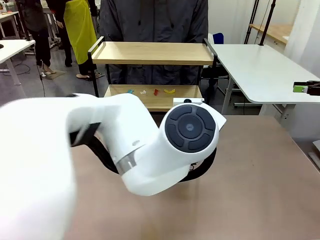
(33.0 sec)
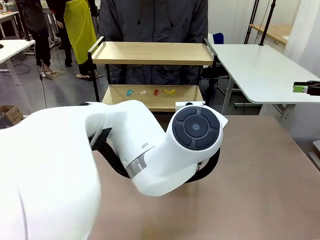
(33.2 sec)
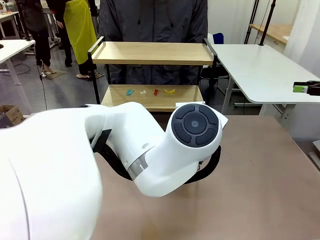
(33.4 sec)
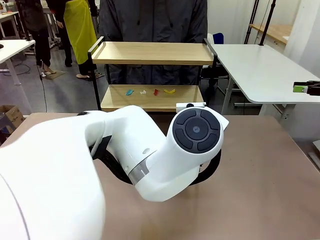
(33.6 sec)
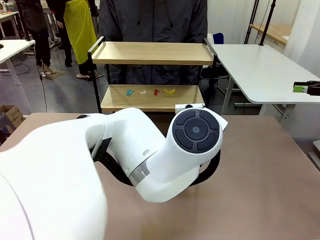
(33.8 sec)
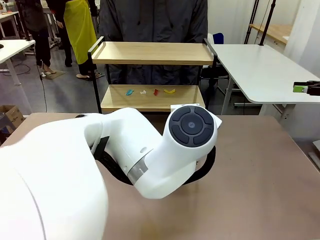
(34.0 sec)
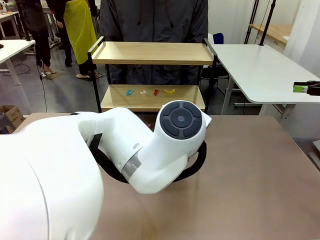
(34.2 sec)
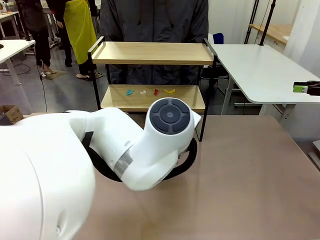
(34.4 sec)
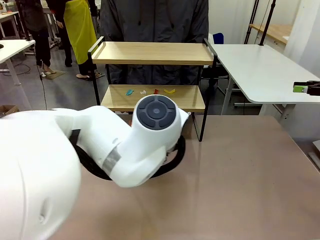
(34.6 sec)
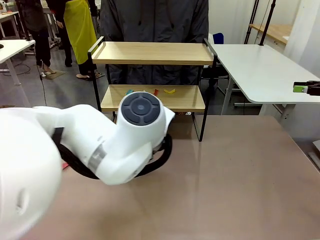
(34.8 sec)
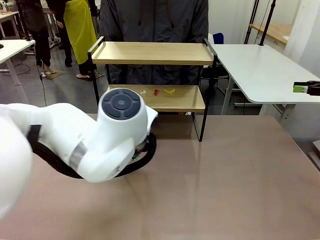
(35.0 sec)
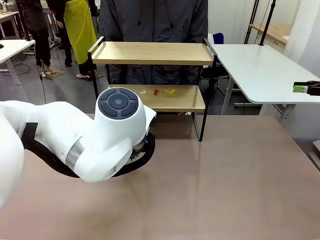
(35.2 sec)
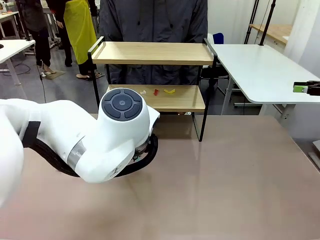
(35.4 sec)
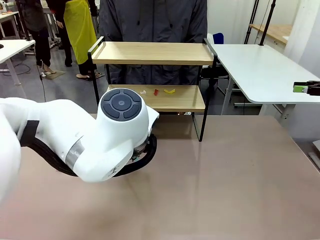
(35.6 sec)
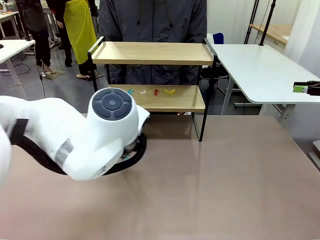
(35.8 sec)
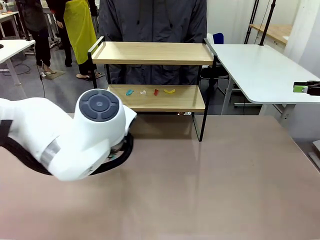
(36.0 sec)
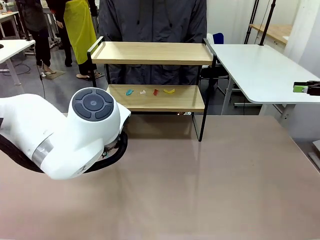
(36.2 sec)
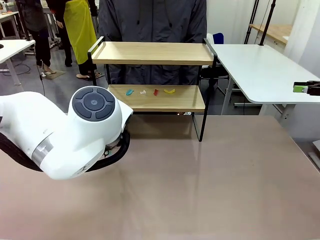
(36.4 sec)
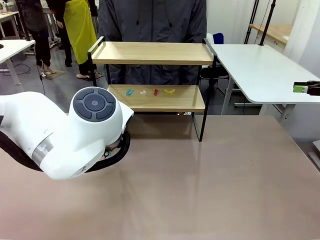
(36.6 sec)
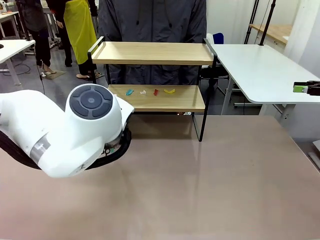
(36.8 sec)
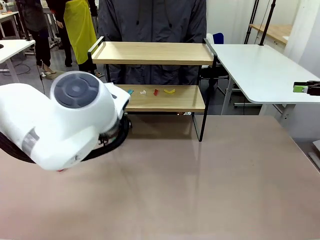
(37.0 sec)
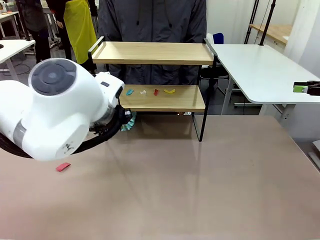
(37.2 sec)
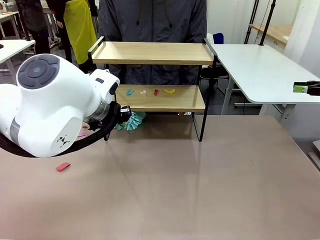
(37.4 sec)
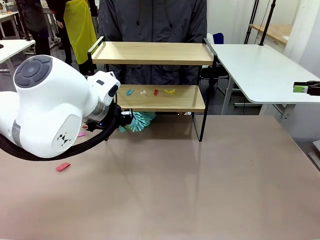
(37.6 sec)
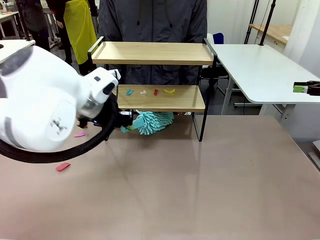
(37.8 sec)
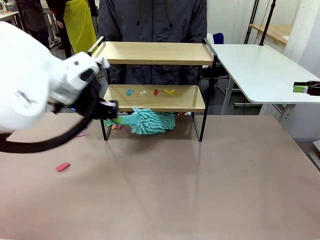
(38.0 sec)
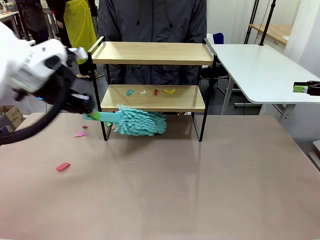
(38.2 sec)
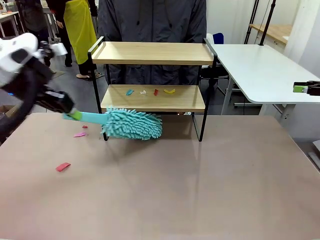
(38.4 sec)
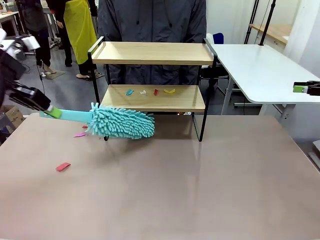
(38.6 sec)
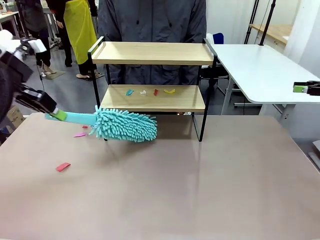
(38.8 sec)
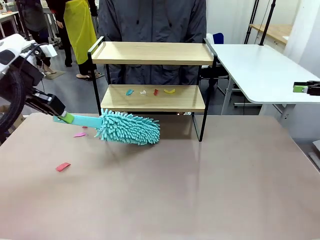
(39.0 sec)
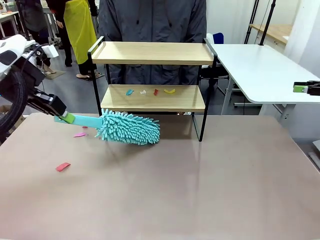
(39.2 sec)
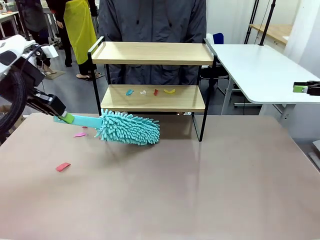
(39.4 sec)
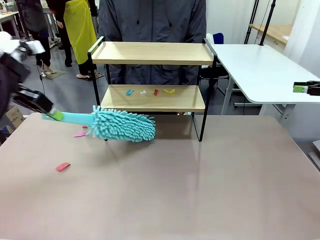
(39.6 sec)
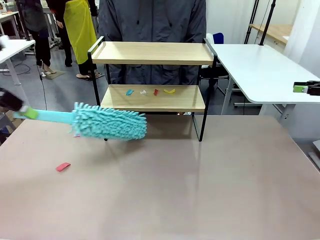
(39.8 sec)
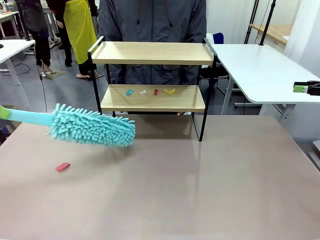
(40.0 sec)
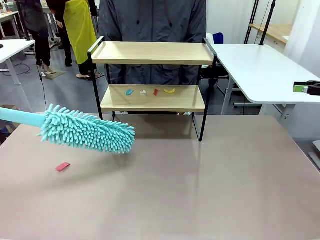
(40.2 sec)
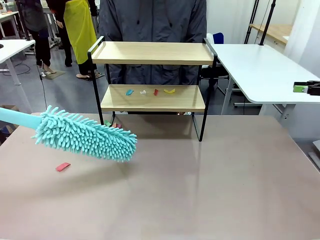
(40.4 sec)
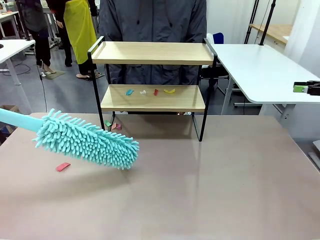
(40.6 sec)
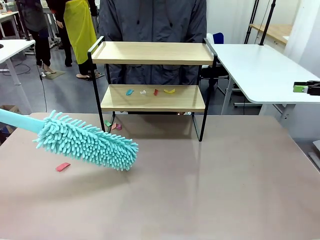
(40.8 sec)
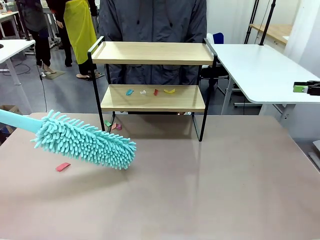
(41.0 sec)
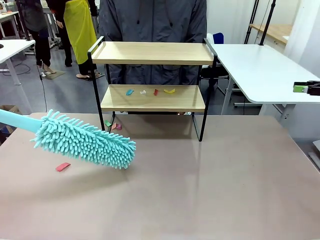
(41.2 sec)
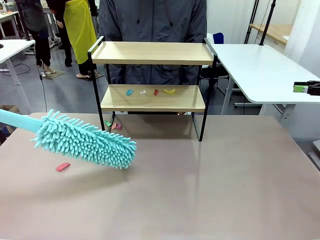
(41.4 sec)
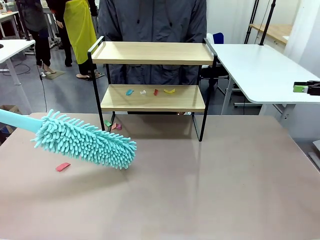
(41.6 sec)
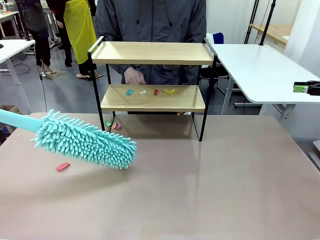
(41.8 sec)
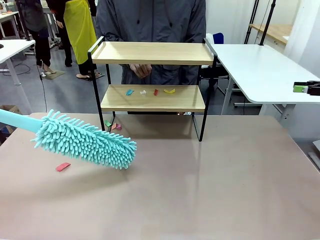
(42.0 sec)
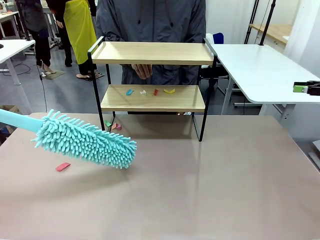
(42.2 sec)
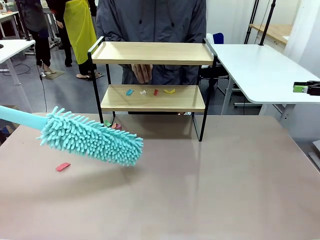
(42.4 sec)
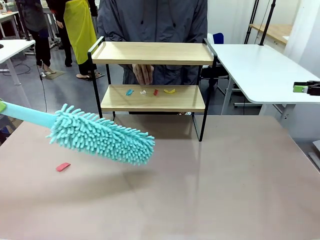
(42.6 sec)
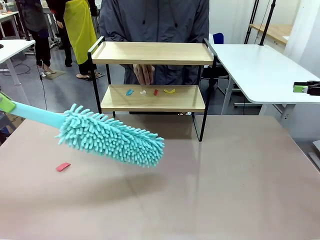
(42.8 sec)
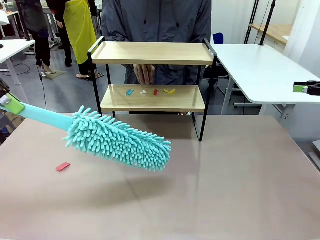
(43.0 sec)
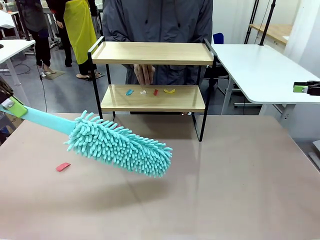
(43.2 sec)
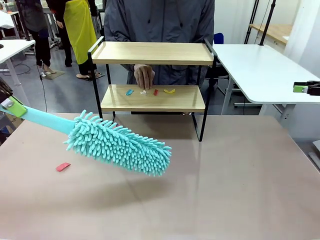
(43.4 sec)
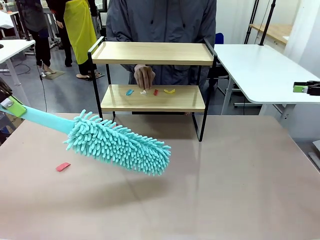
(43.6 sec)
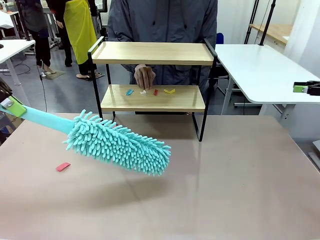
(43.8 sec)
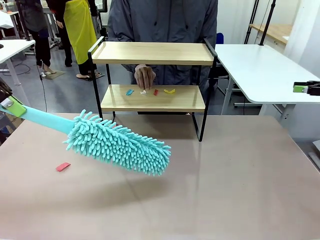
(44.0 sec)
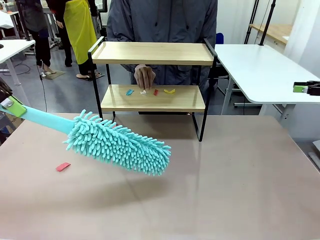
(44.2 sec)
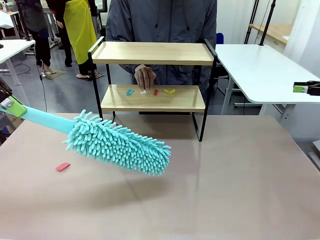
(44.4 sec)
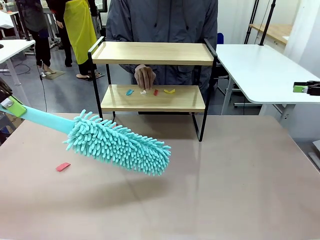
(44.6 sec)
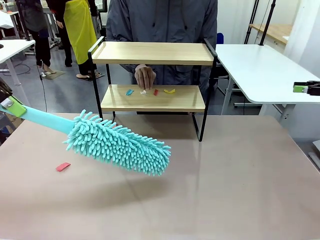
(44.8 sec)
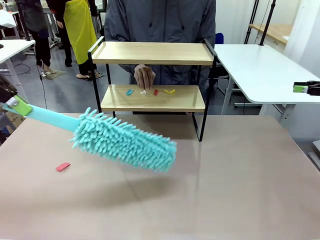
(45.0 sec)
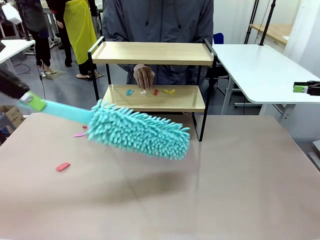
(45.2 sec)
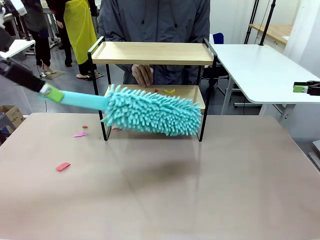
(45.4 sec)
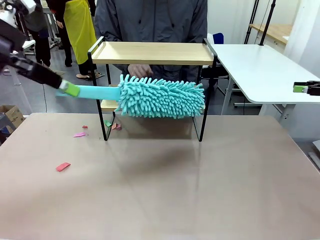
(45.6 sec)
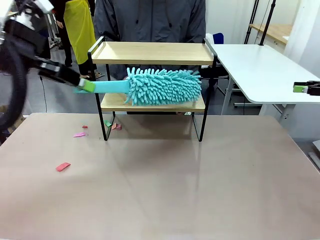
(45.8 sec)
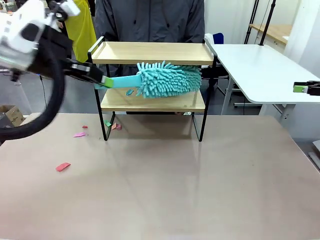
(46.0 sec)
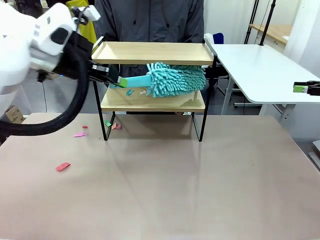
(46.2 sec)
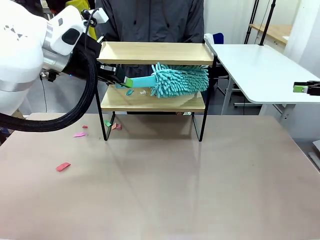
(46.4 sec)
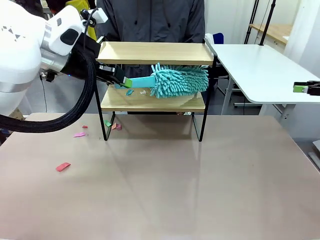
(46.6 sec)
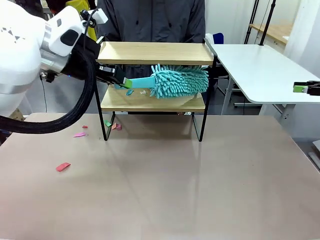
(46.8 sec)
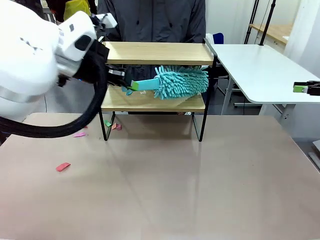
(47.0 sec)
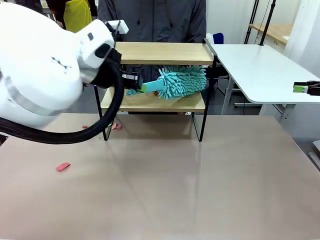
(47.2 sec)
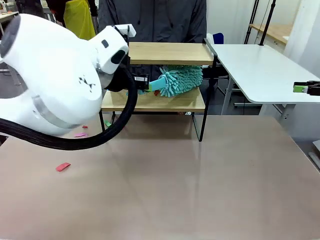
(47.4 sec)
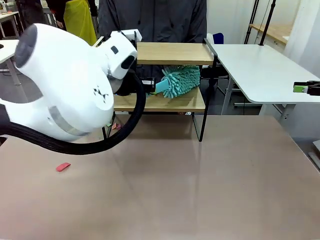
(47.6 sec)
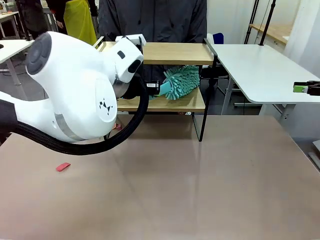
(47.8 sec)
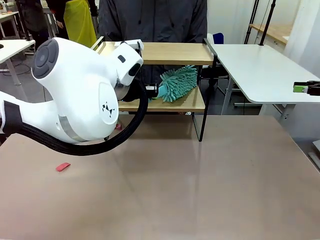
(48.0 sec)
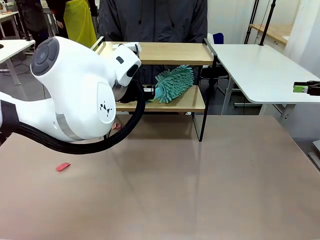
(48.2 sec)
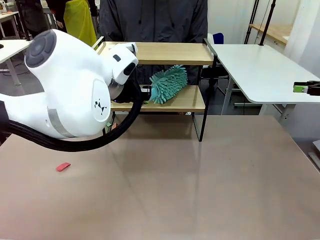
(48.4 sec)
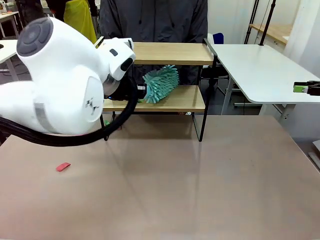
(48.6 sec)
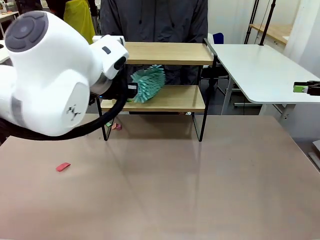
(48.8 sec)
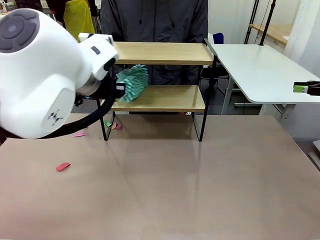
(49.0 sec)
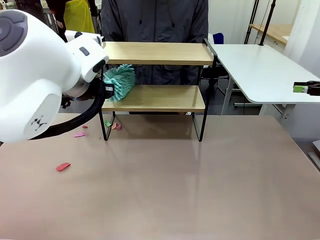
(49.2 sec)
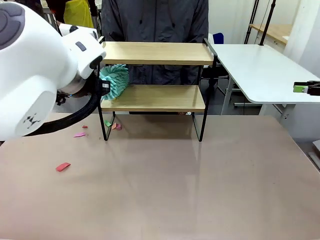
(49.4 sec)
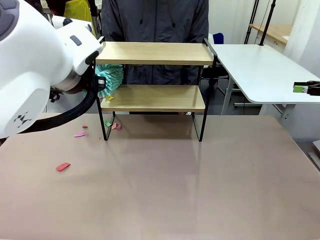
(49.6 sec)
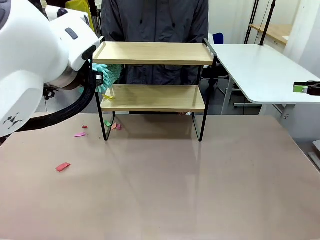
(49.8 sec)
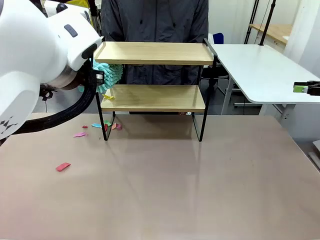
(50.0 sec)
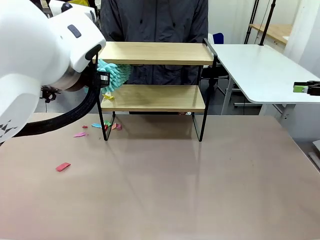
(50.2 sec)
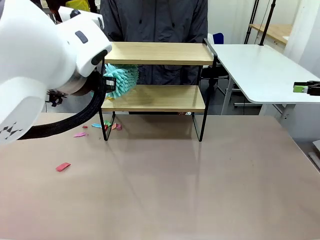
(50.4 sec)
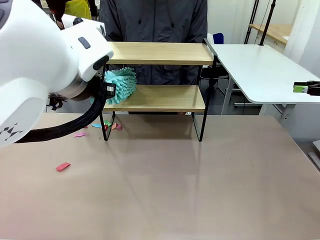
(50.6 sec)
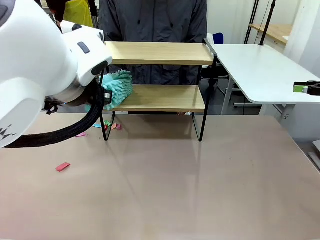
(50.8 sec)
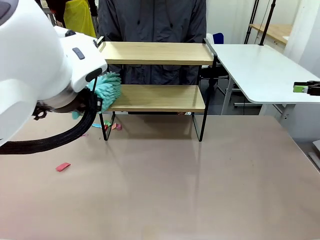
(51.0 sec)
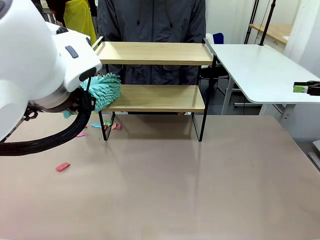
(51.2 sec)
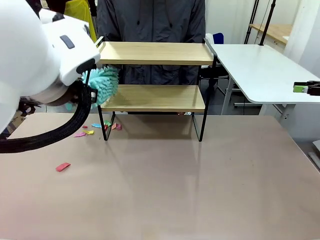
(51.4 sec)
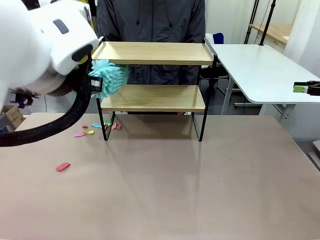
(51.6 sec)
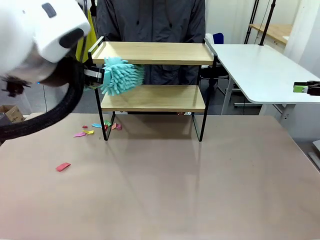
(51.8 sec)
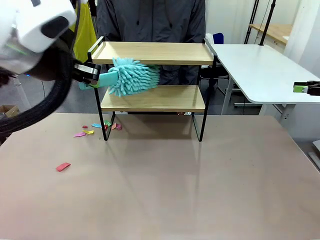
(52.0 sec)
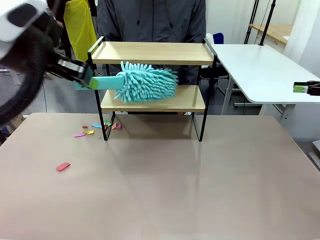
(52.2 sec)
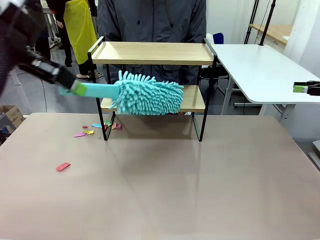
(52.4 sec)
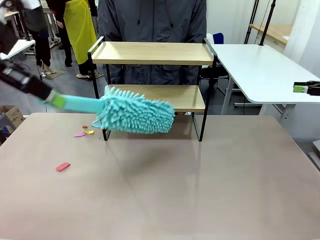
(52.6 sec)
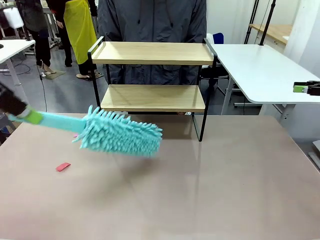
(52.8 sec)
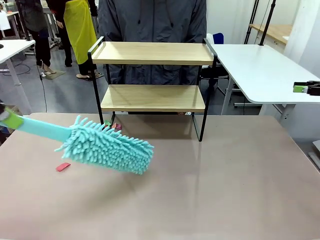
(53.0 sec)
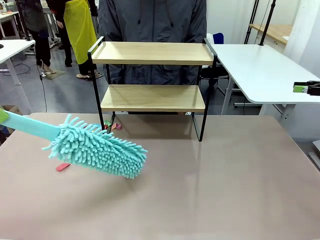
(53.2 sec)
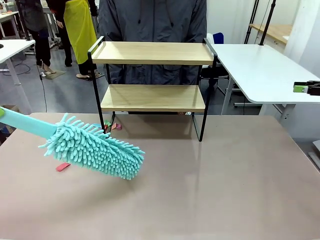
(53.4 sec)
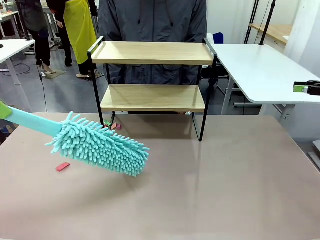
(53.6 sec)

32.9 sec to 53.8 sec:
Task: Clean the shelf.
Robot: Clean the specific section of the Shelf indicated by the human with the Duster.
Person: Point a remaining section of the Shelf.
